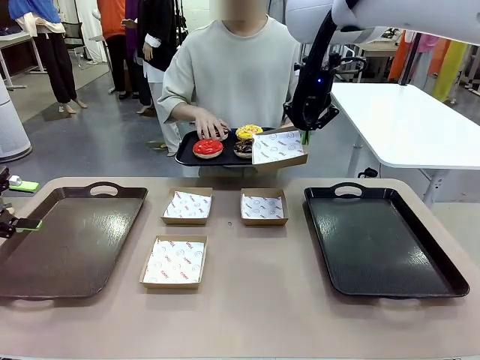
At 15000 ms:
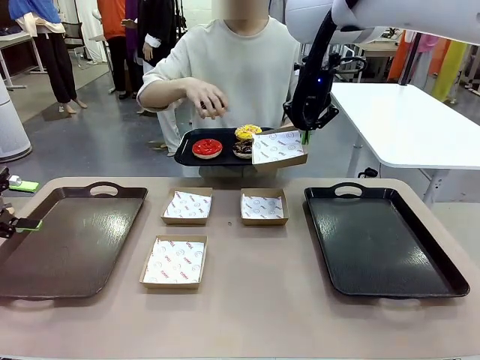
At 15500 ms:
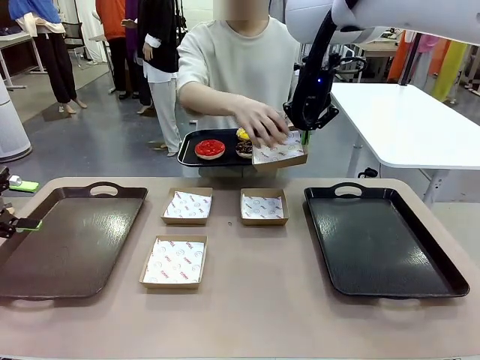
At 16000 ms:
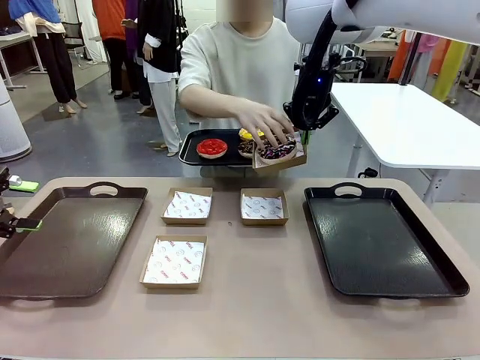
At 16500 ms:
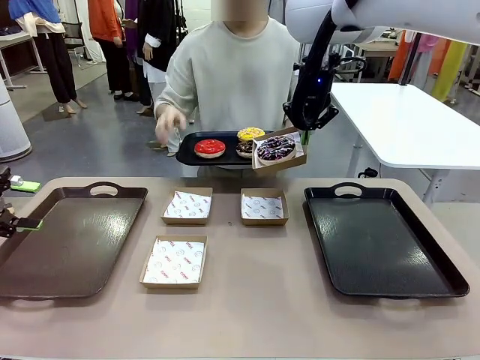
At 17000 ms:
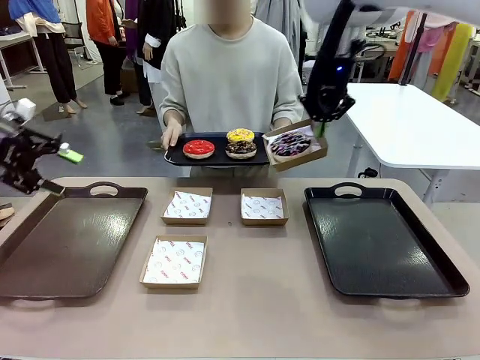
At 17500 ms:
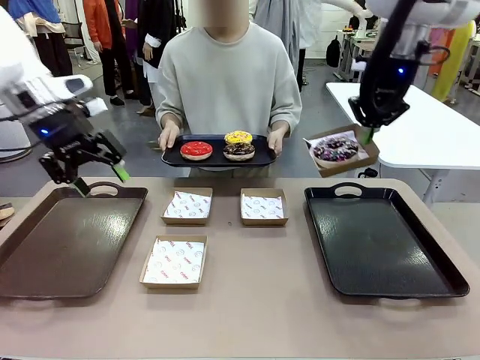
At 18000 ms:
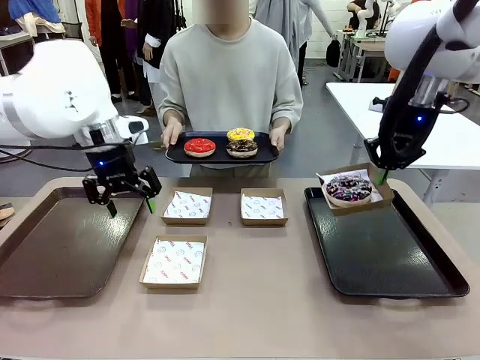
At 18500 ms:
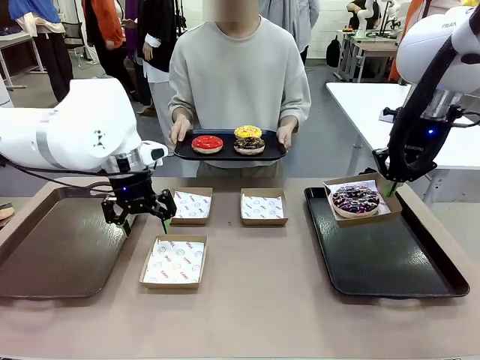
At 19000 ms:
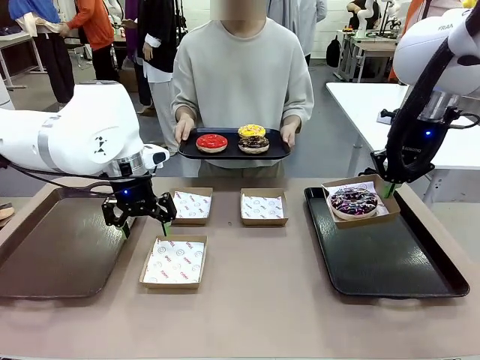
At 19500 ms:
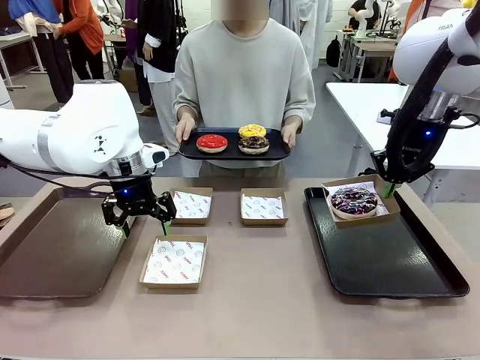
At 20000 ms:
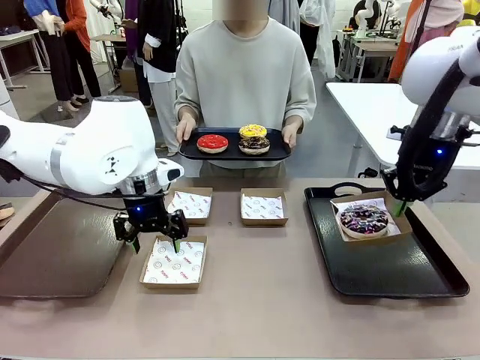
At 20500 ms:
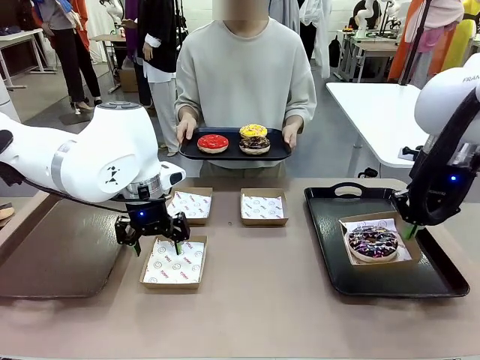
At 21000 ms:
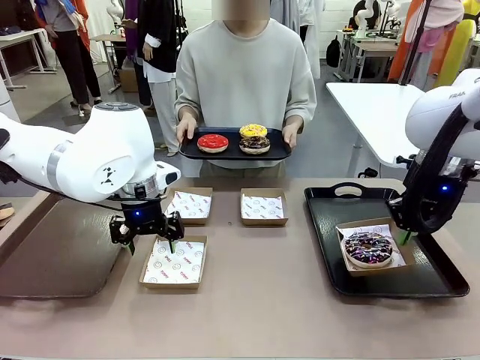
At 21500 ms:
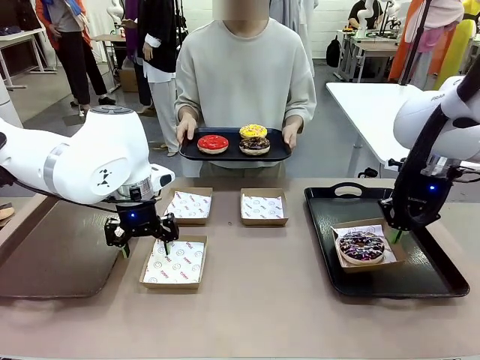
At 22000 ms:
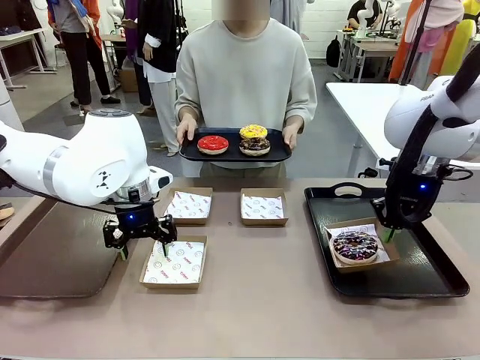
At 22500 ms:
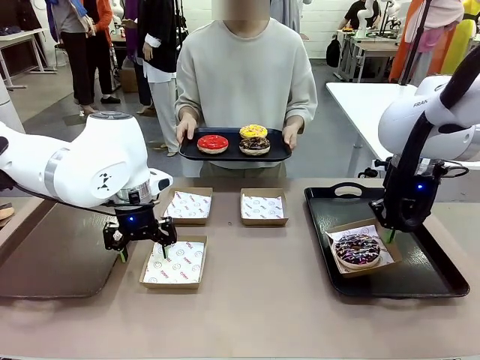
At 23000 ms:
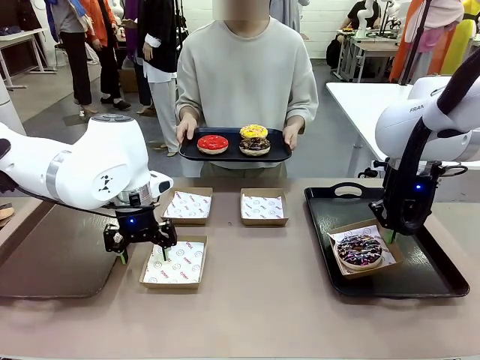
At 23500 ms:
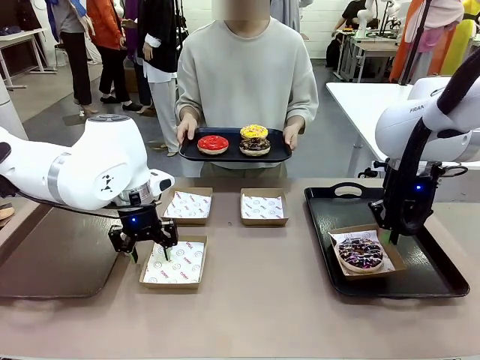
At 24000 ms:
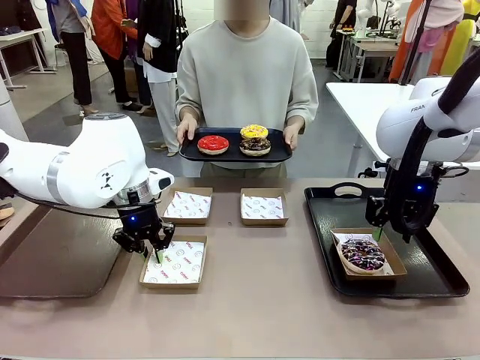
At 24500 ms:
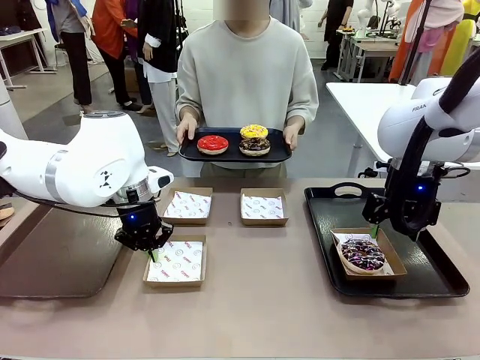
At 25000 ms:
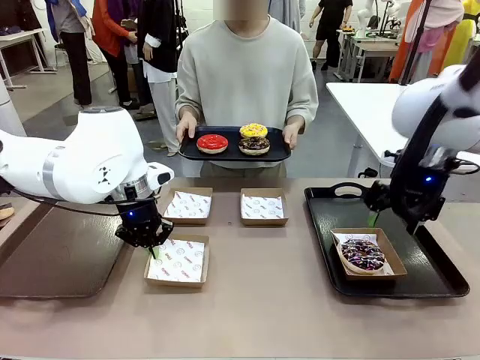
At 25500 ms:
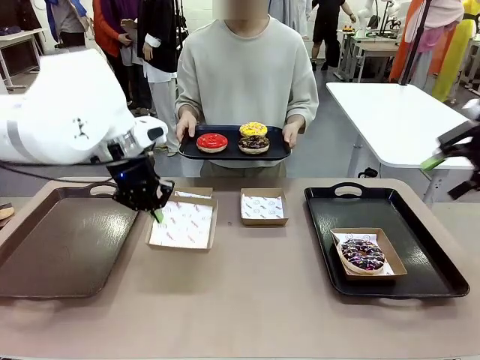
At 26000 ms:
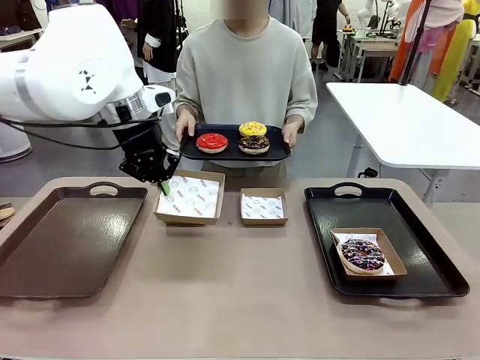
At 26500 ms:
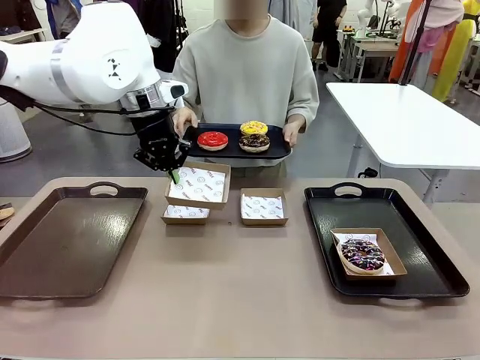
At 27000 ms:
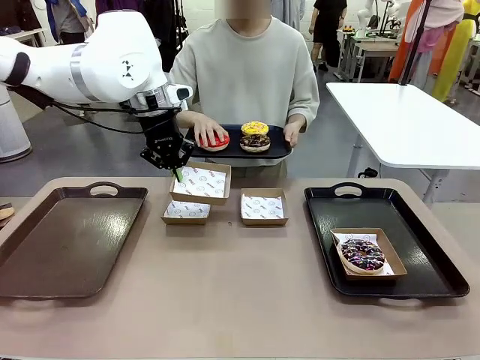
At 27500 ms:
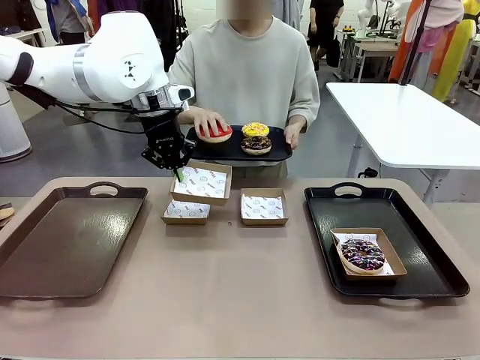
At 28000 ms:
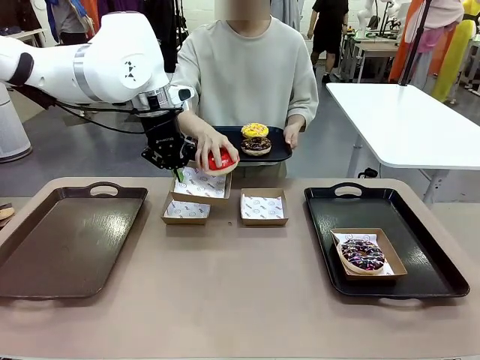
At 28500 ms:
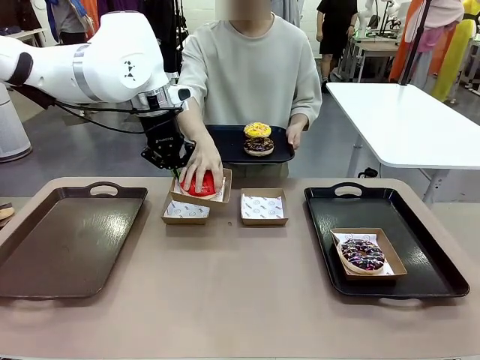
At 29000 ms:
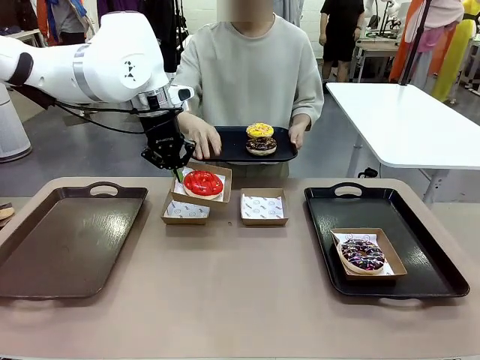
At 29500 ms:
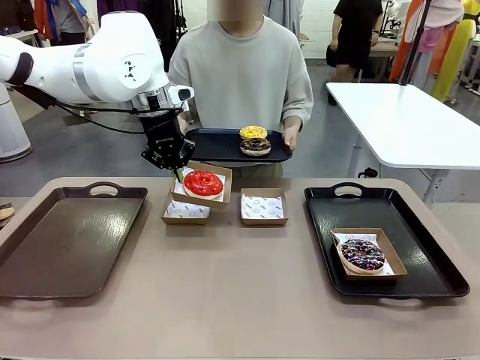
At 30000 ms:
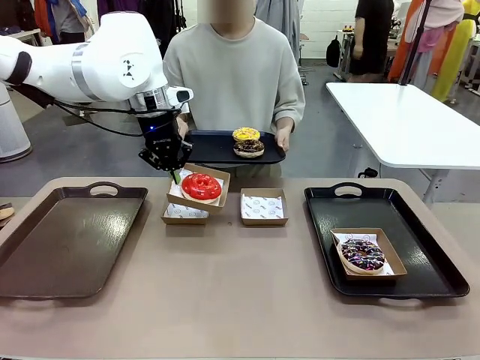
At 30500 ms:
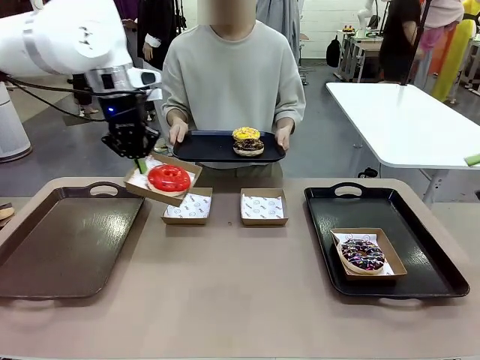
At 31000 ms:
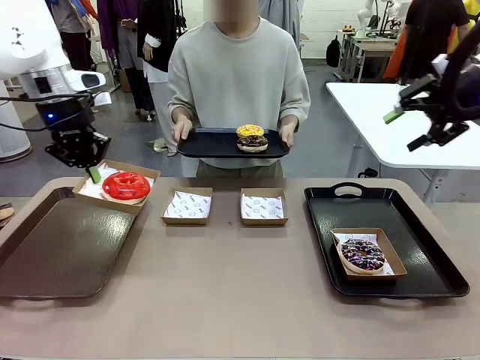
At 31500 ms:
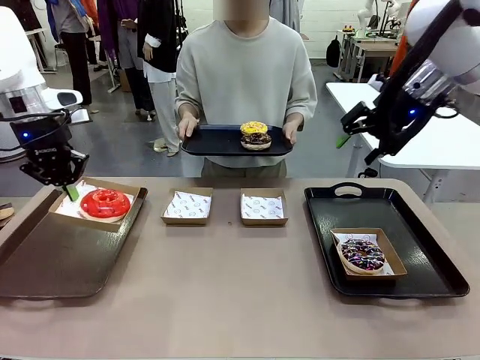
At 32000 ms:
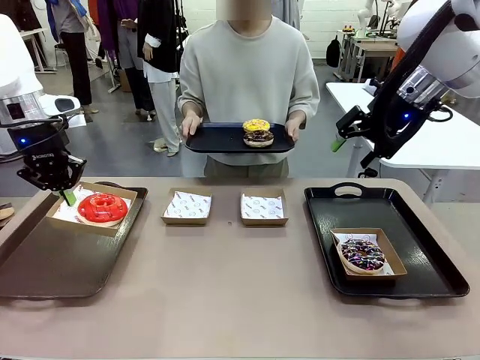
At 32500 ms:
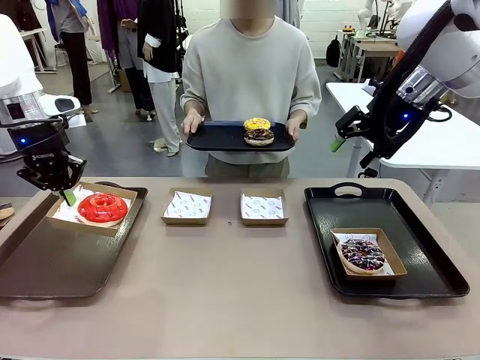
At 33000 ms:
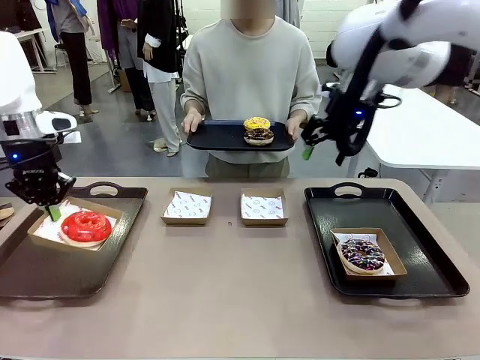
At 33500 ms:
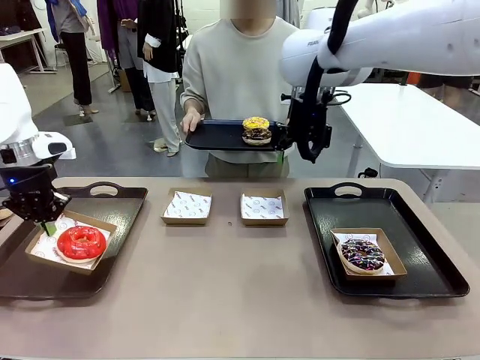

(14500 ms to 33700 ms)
Task: Individually package the donuts and arrange them on the tray.
Robot: Place the picked Paper togo box on the Handle tray while simultaneously picking up another Paper togo box from the table with the other hand.

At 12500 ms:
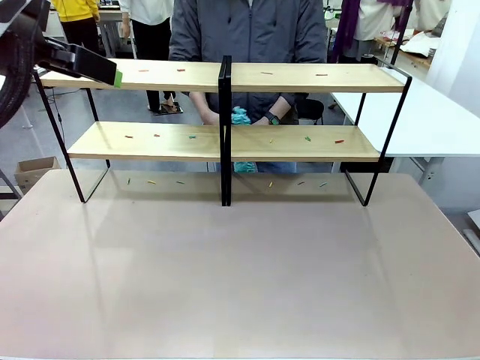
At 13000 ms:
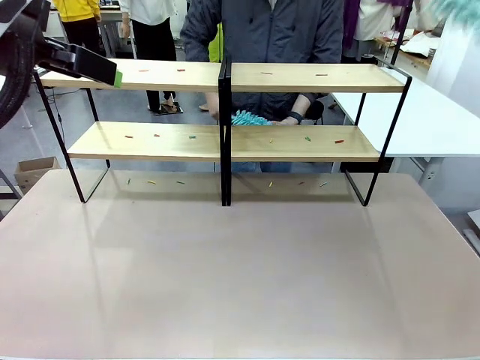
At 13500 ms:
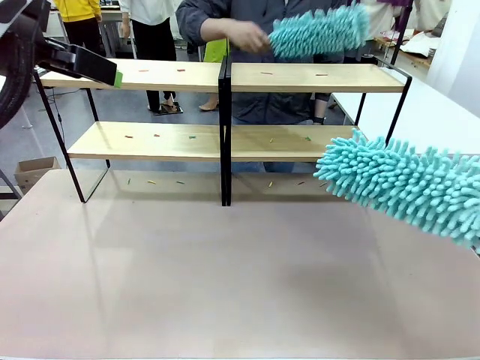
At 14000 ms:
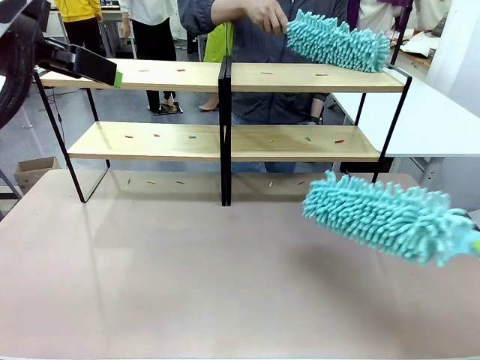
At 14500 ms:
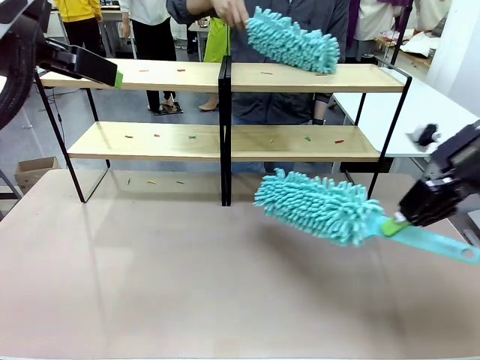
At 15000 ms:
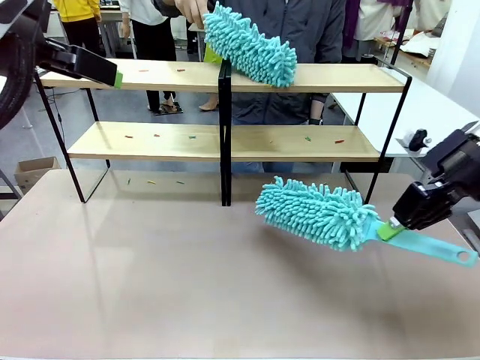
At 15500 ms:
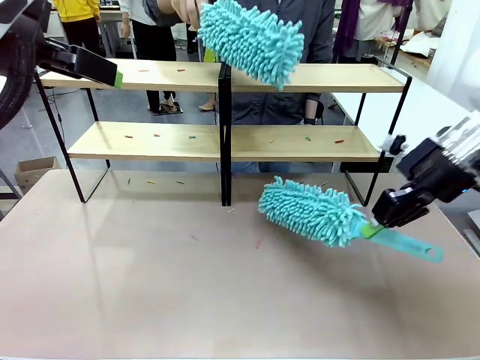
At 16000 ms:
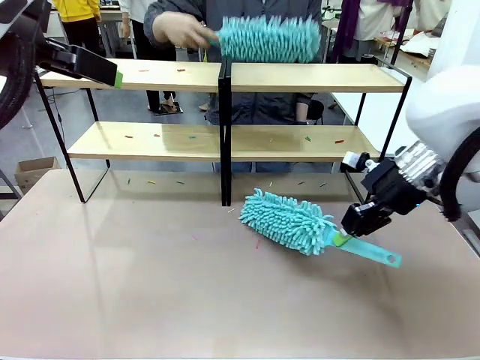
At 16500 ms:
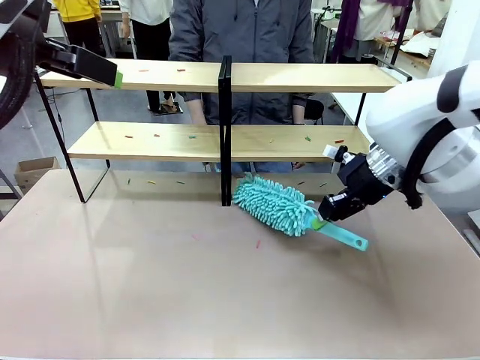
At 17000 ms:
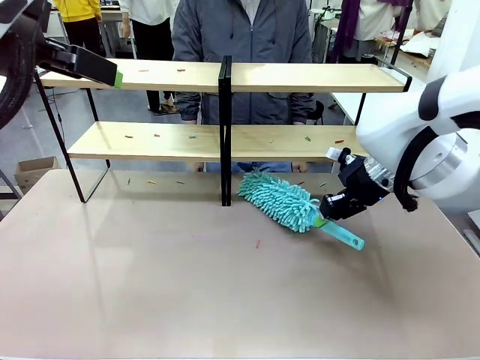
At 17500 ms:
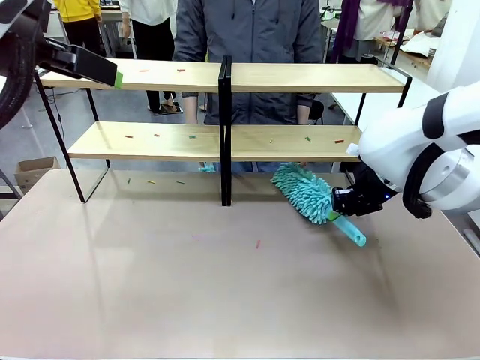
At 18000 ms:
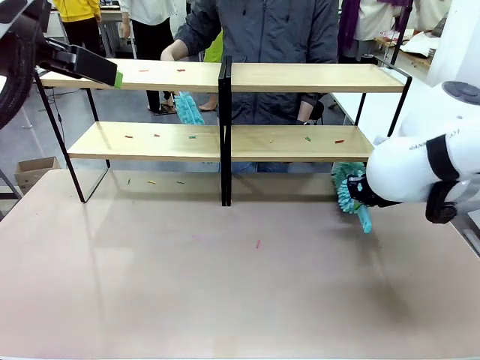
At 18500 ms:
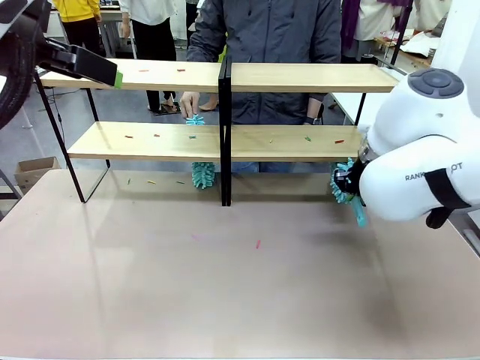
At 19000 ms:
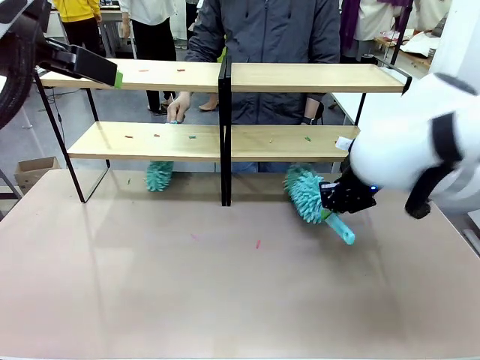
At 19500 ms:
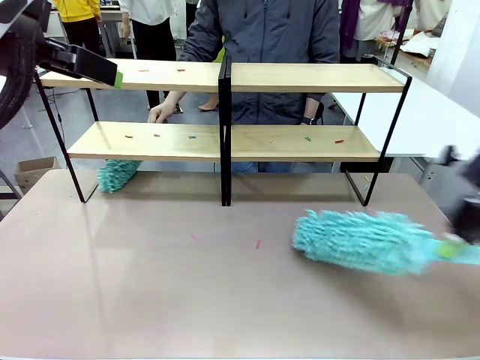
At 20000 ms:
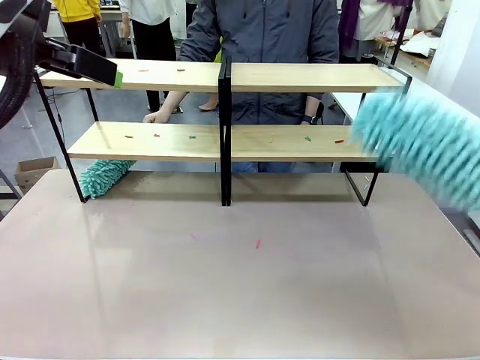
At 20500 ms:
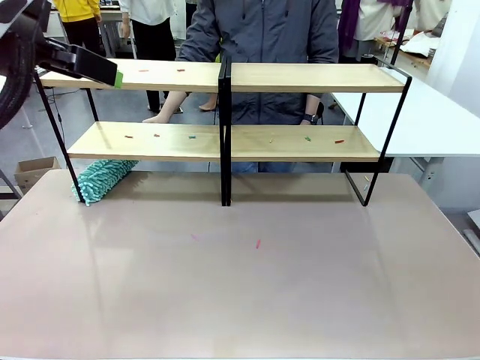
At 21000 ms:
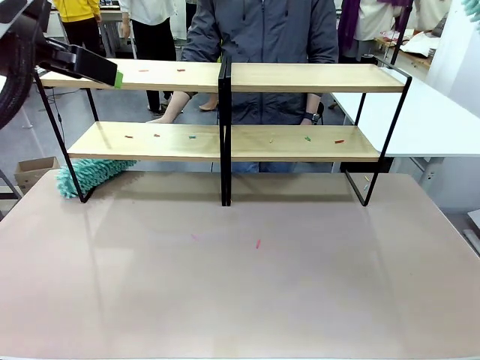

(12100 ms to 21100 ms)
Task: Clean the shelves.
Robot: Clean a randomly selected level of the Shelf with the Duster.
